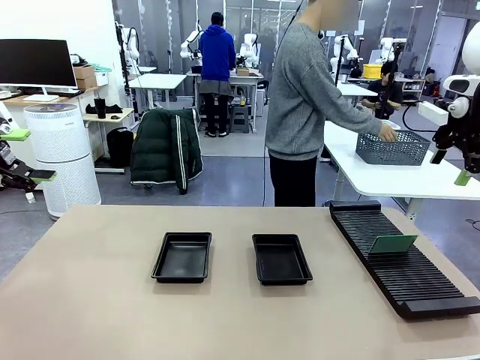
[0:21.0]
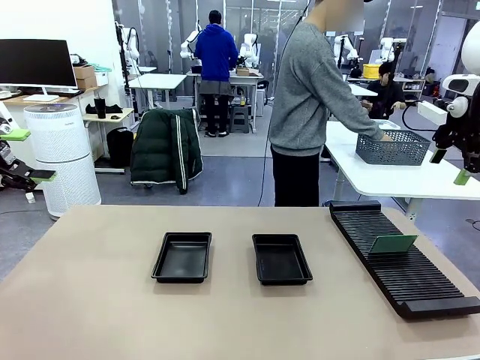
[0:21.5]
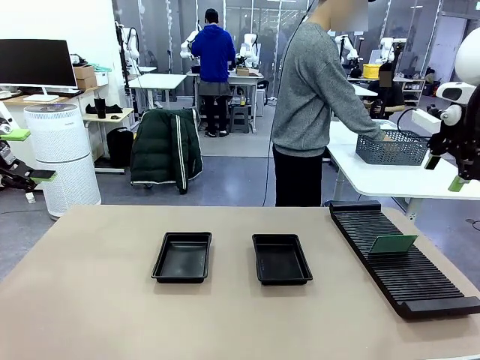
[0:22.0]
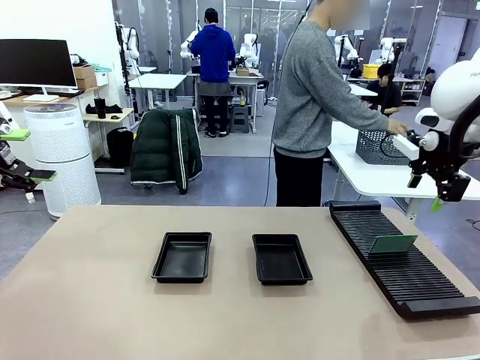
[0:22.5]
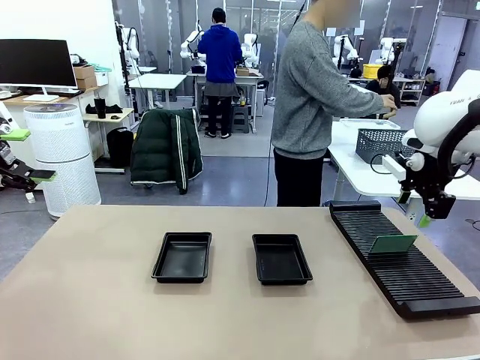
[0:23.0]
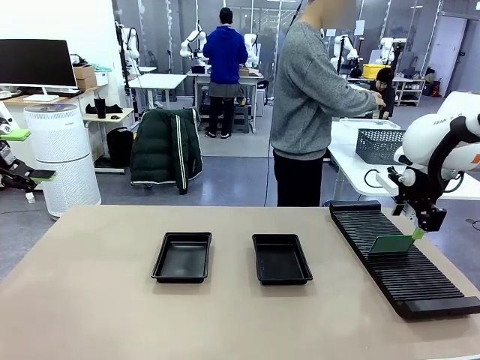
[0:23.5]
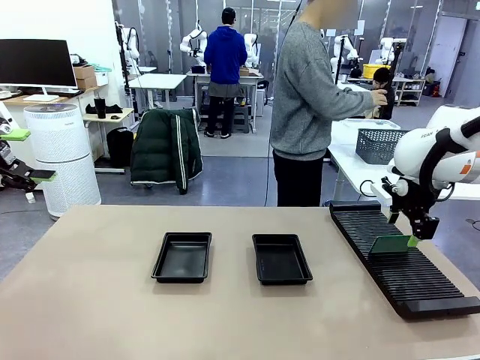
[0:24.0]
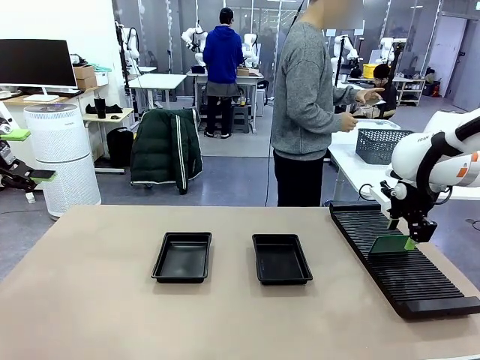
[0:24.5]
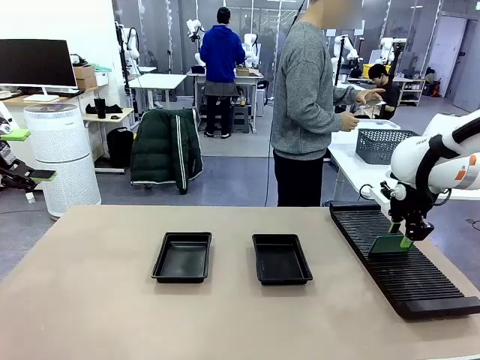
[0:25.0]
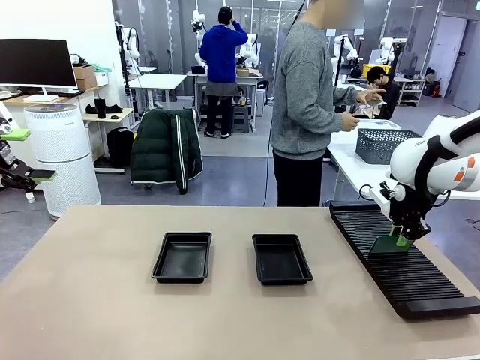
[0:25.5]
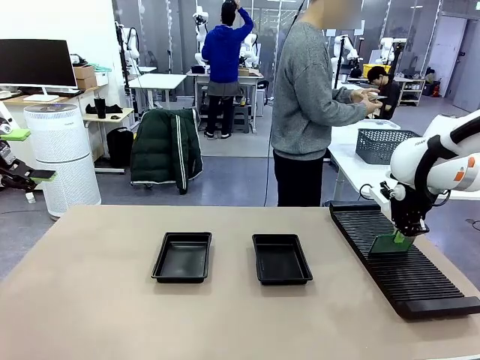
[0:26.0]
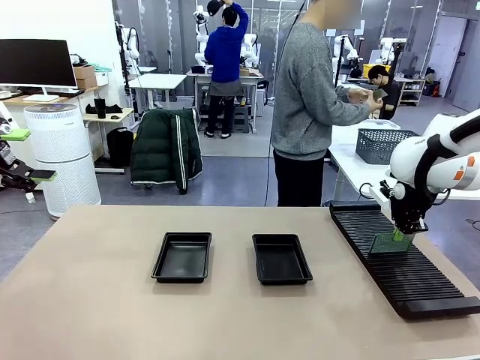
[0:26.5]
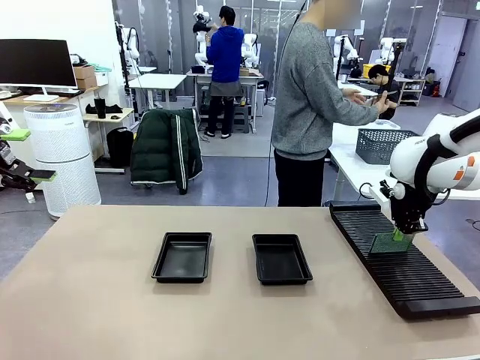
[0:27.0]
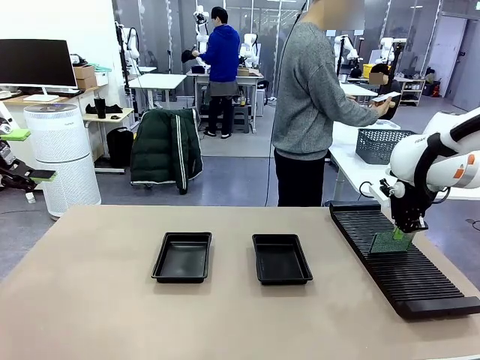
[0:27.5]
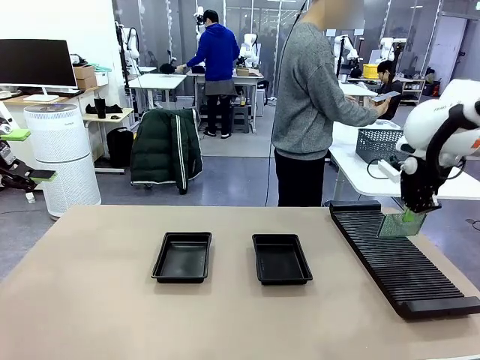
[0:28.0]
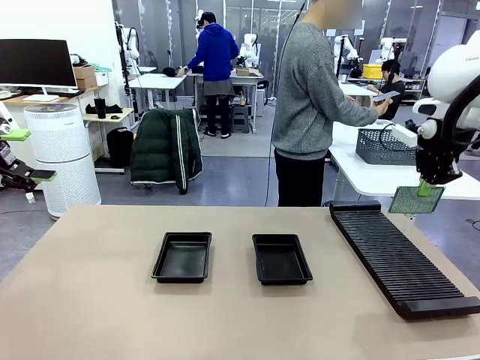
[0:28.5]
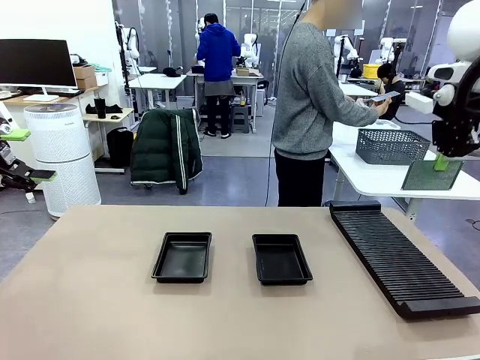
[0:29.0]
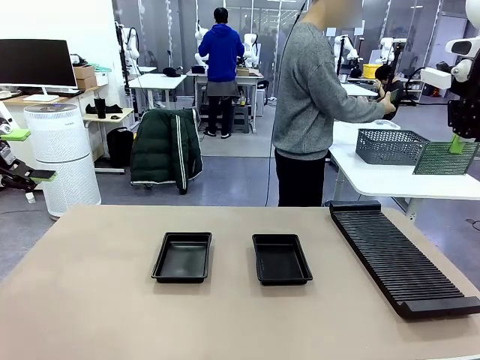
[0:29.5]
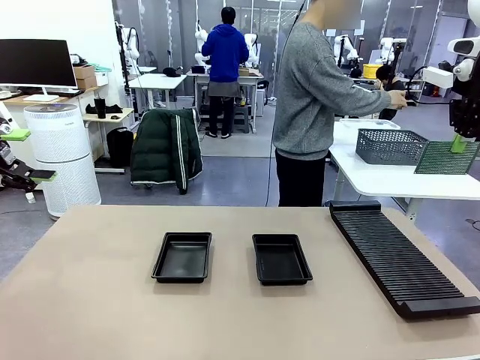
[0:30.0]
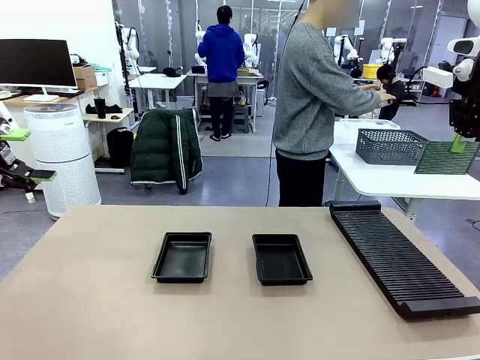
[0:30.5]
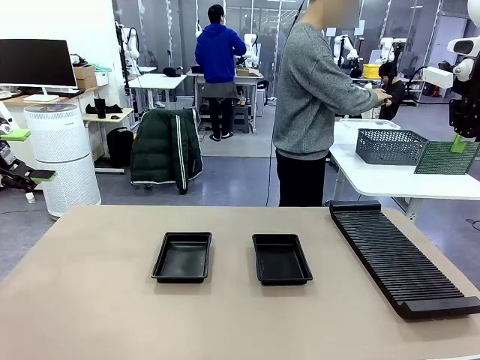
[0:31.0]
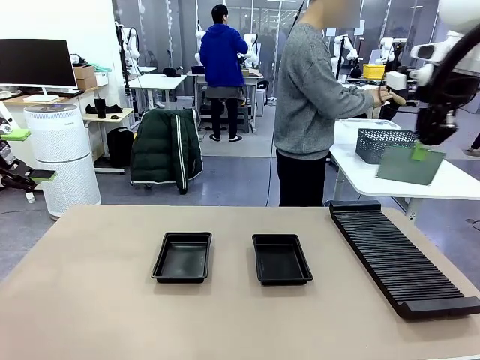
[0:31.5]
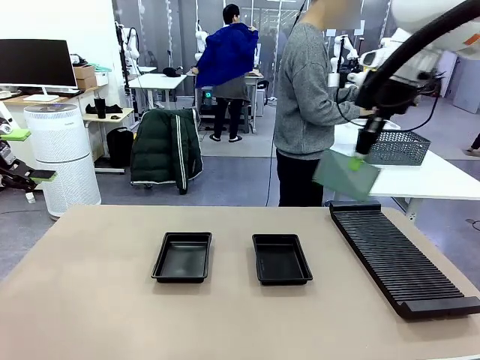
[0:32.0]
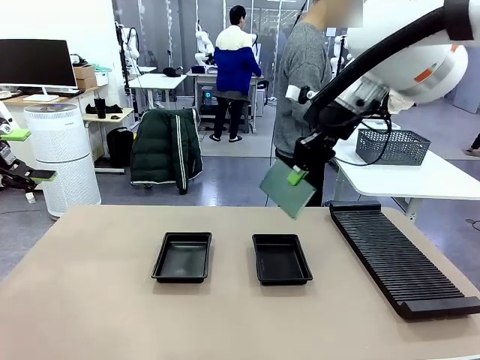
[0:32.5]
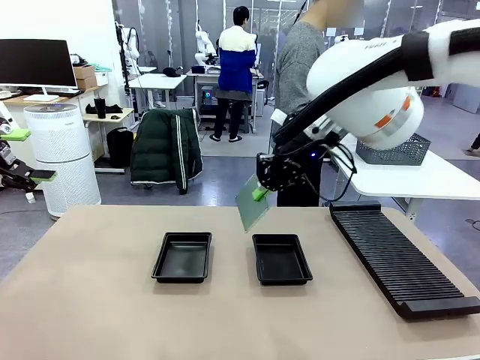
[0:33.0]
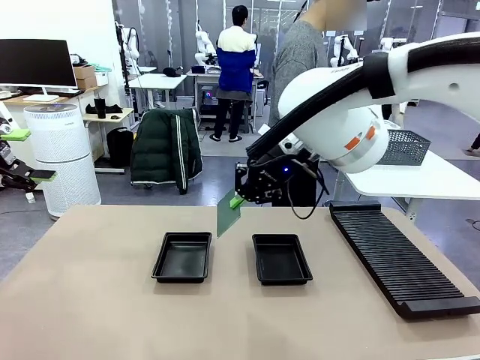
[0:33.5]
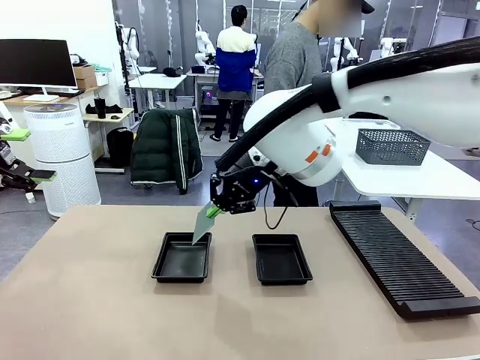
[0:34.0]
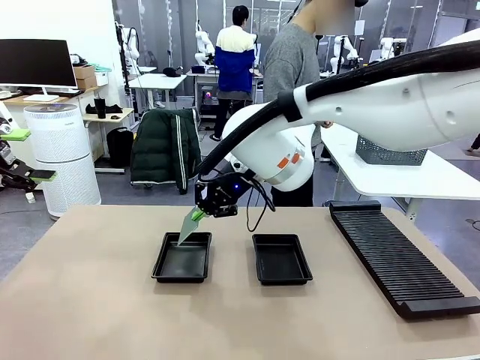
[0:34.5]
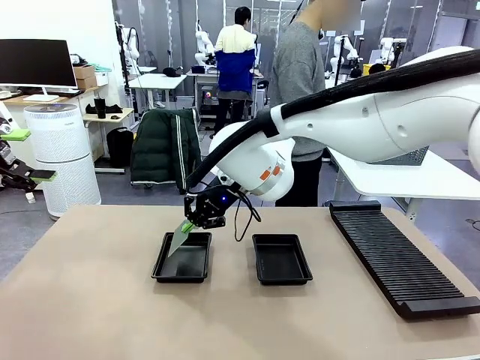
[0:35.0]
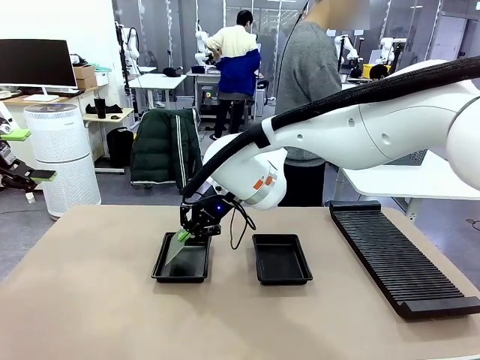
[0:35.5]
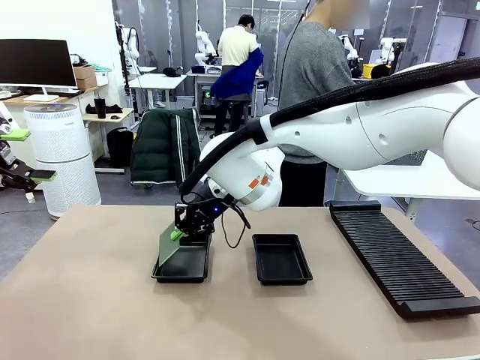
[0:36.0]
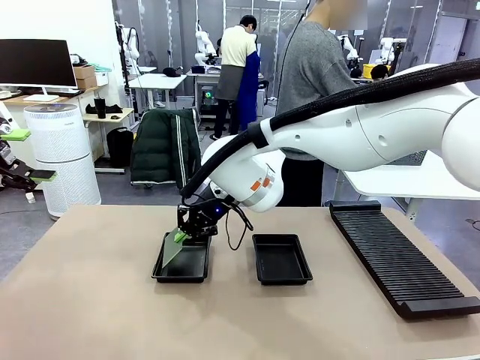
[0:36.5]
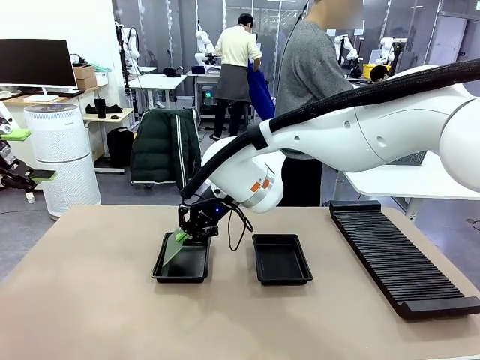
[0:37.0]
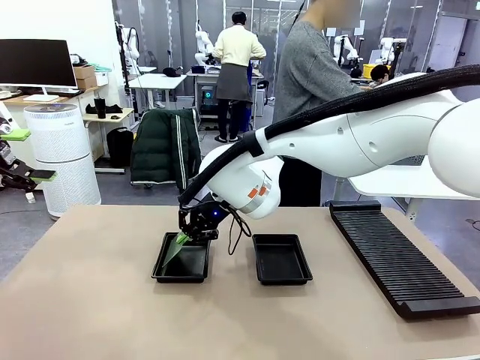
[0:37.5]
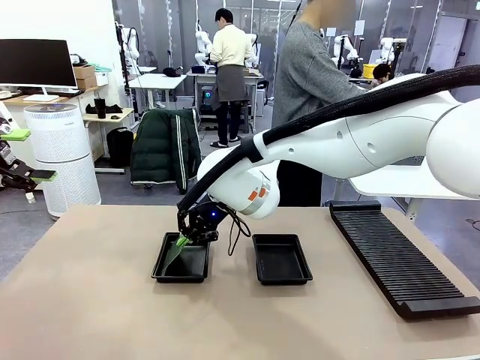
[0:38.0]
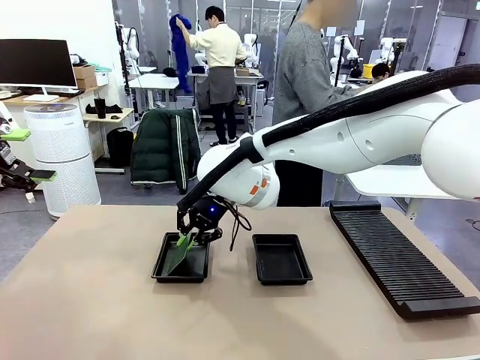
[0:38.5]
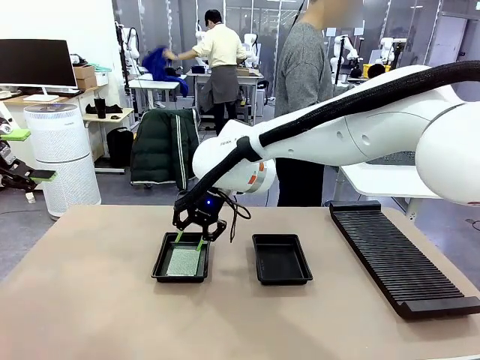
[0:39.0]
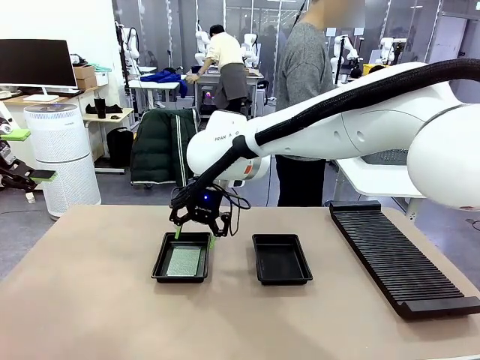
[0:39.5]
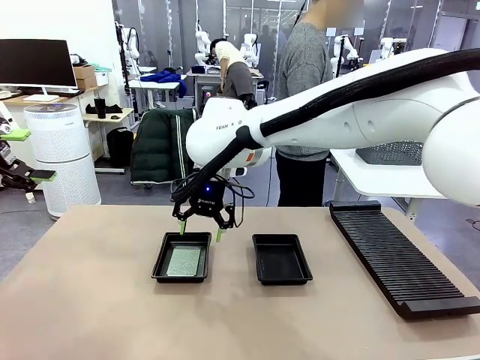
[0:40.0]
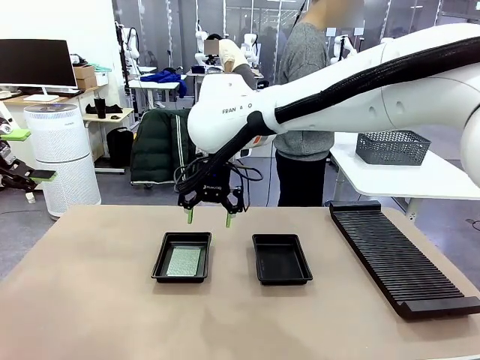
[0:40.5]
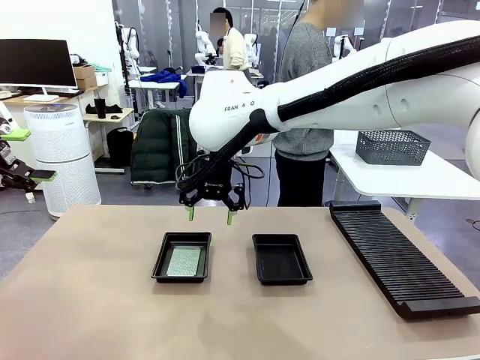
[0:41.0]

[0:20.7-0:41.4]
Task: Inspect and transfer BCBs to ESD trays.
Robot: Pick up the Blank PCB from the PCB Rack and place it in the left ESD tray.

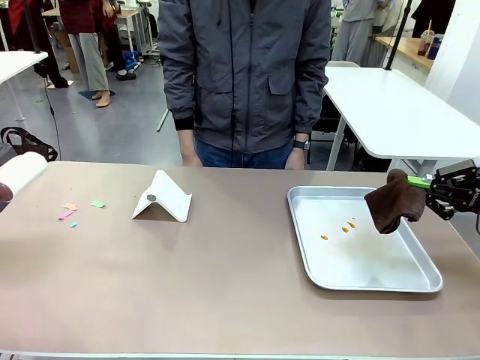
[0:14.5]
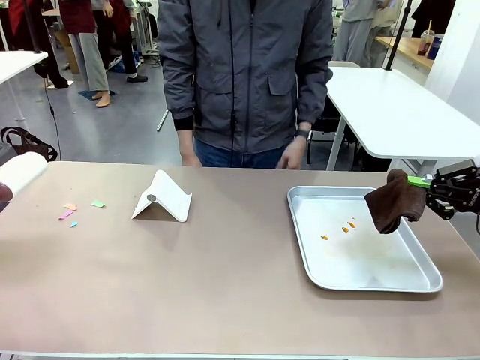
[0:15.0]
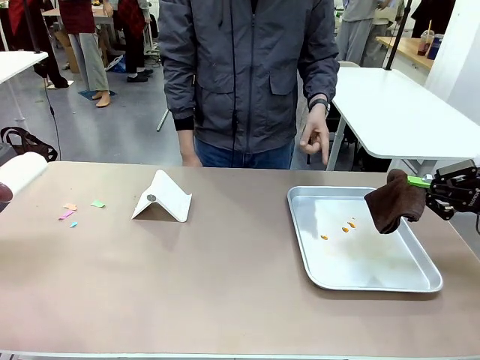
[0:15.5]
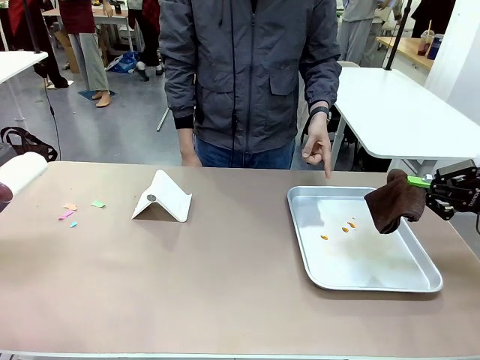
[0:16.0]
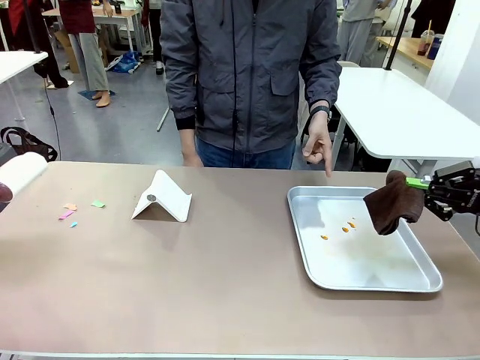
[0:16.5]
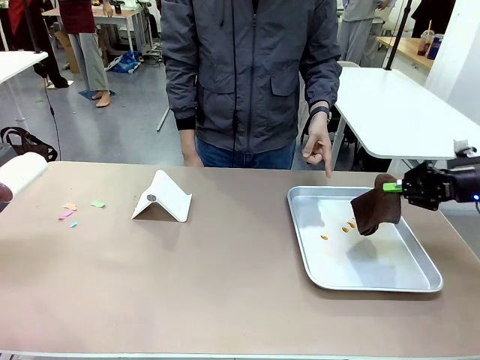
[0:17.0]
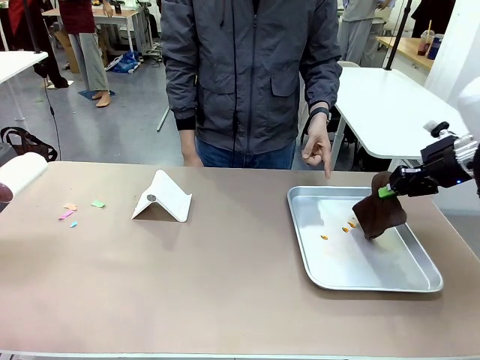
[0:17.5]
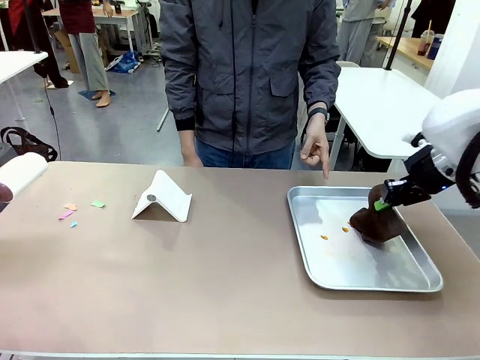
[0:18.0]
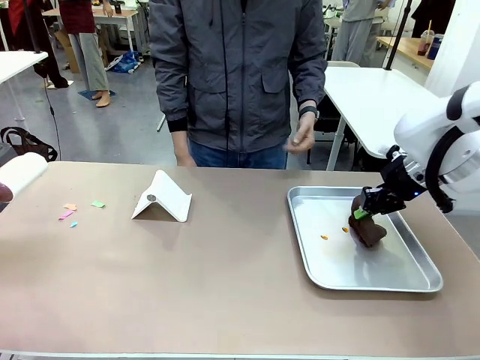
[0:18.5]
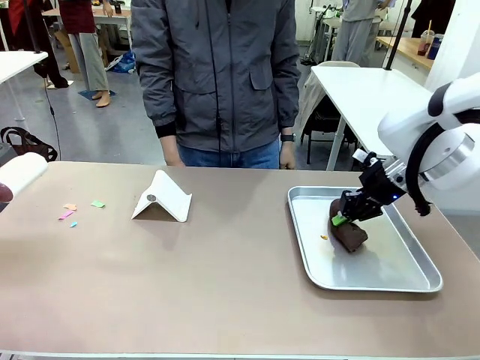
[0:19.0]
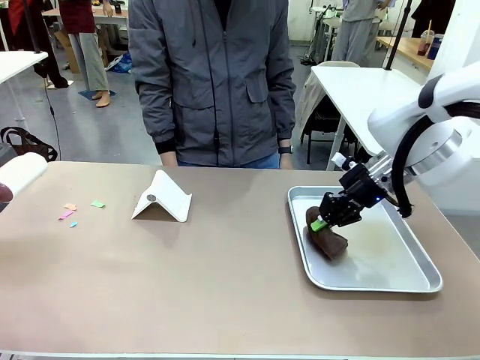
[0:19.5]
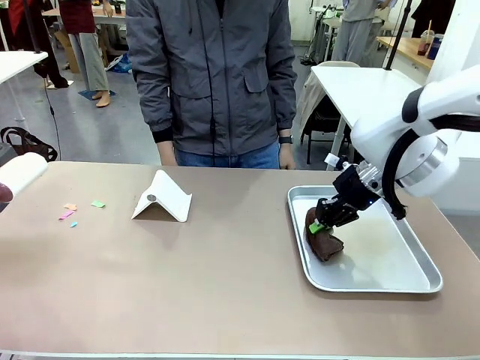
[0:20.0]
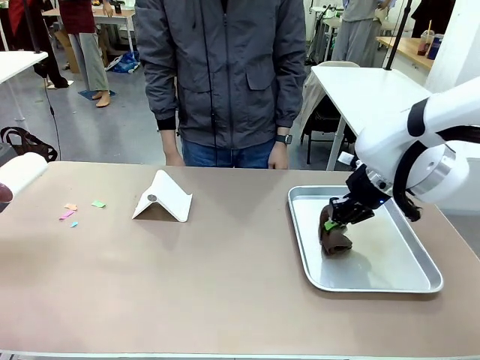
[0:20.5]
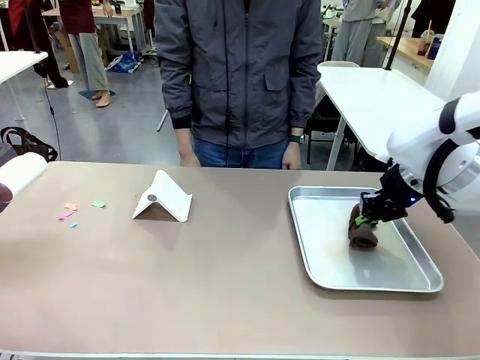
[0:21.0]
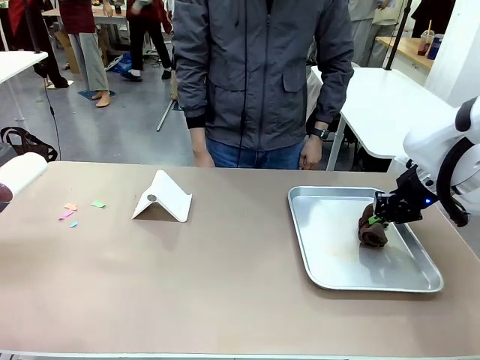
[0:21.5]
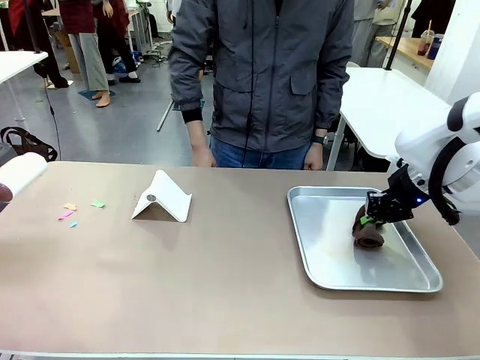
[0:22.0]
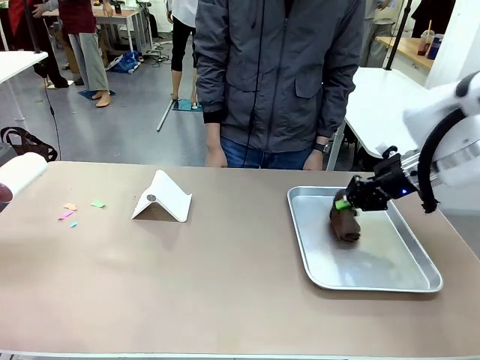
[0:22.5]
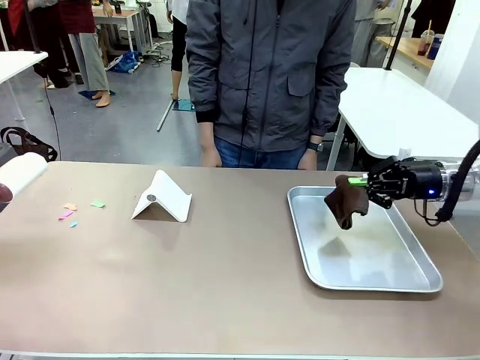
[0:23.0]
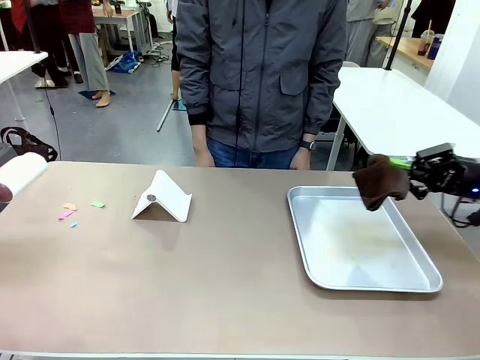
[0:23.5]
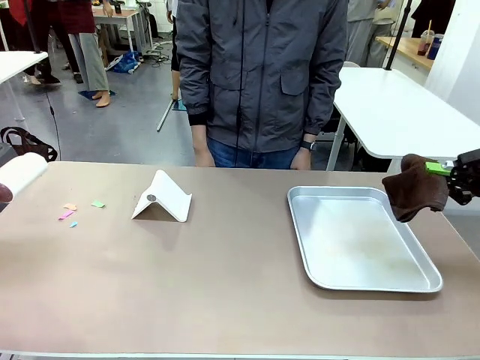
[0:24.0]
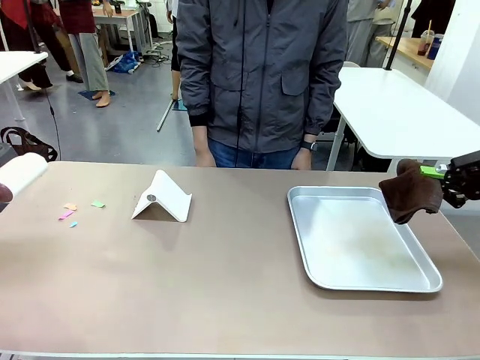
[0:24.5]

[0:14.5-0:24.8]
Task: Clean the surface of the table.
Robot: If a person points to the right, clean the right side of the table with your right hand, and if they point to the left, clean the left side with your left hand.
